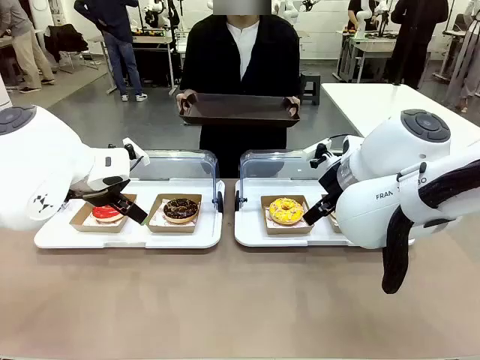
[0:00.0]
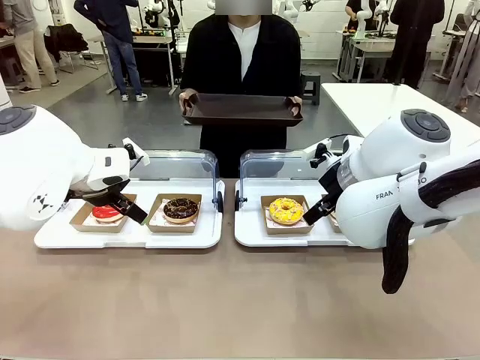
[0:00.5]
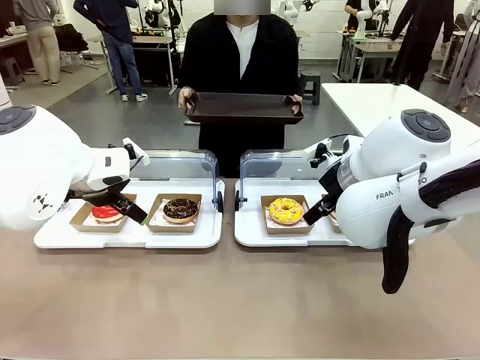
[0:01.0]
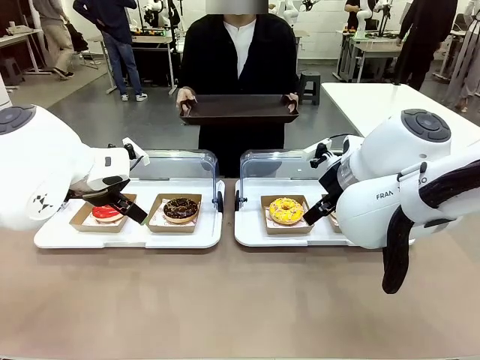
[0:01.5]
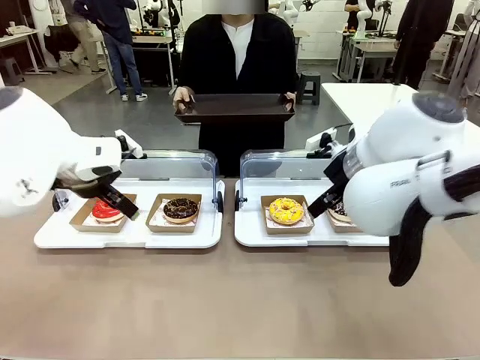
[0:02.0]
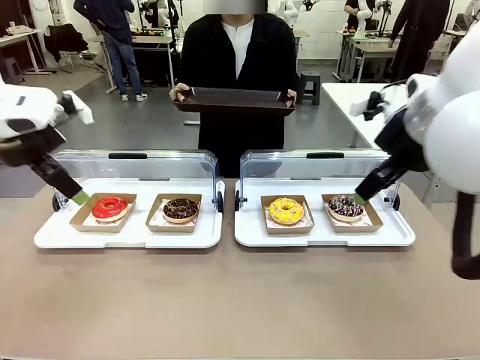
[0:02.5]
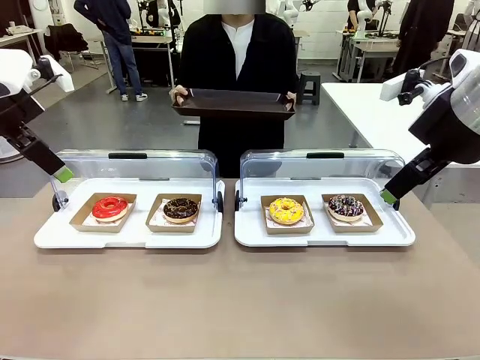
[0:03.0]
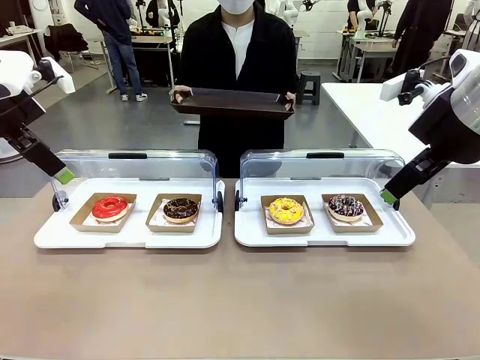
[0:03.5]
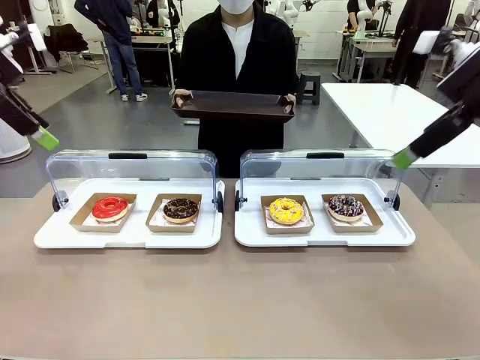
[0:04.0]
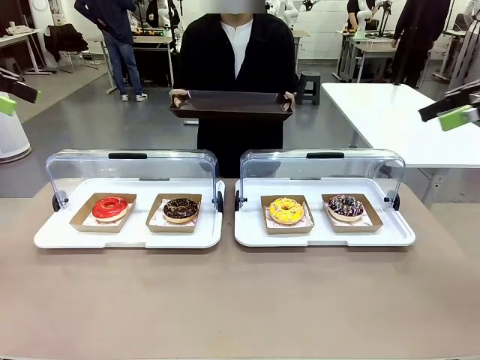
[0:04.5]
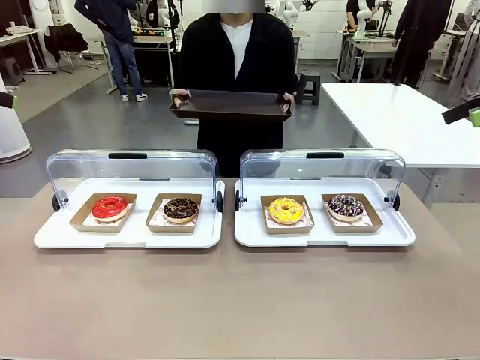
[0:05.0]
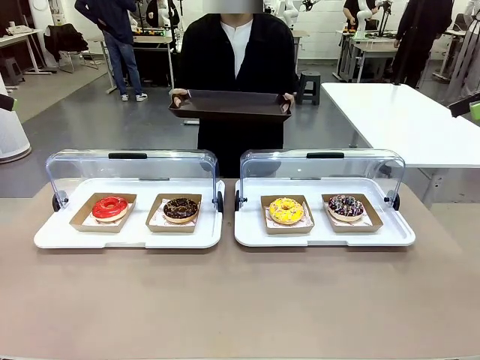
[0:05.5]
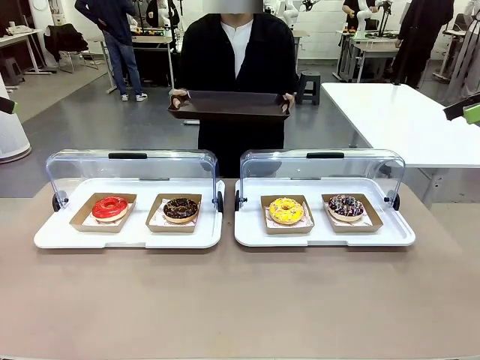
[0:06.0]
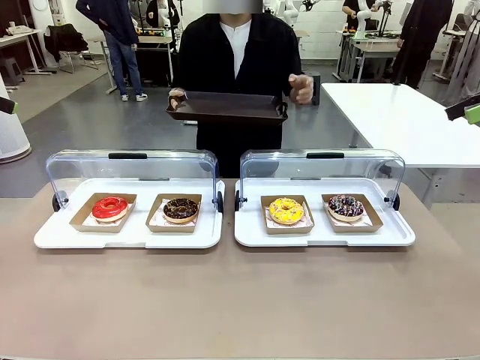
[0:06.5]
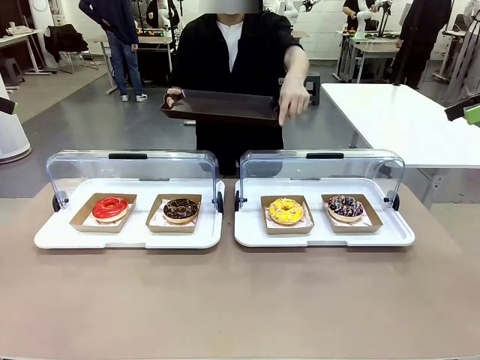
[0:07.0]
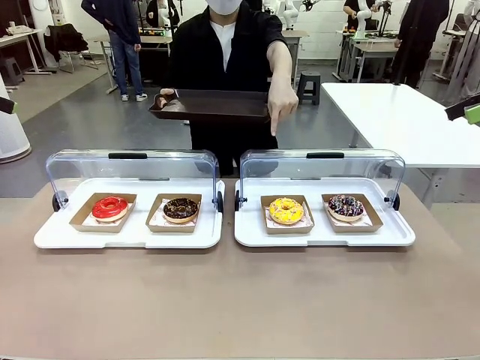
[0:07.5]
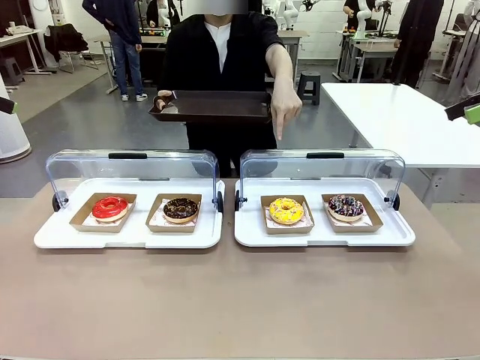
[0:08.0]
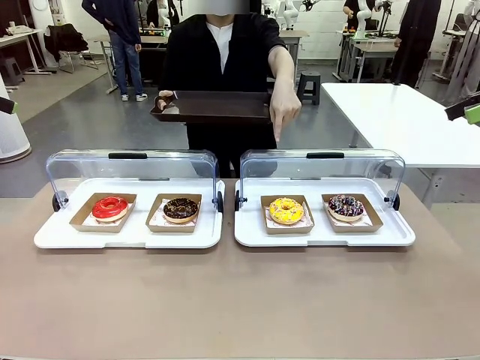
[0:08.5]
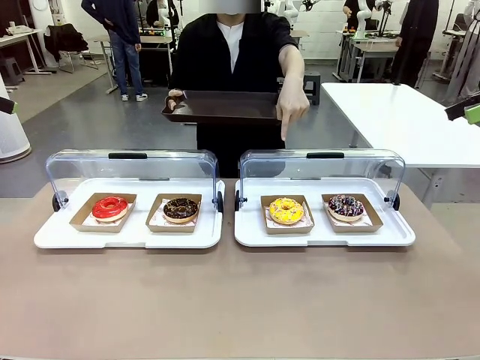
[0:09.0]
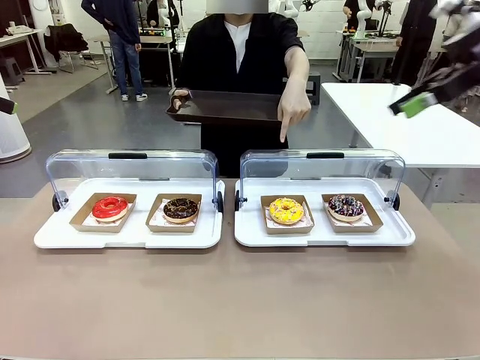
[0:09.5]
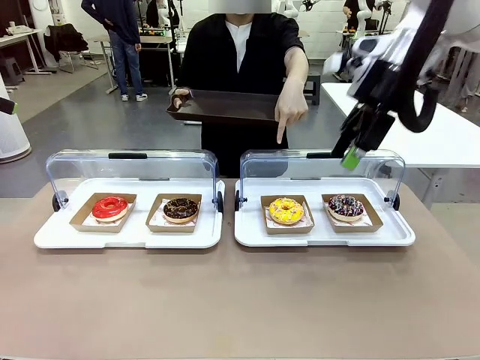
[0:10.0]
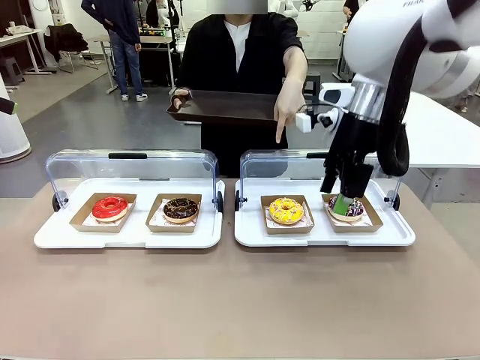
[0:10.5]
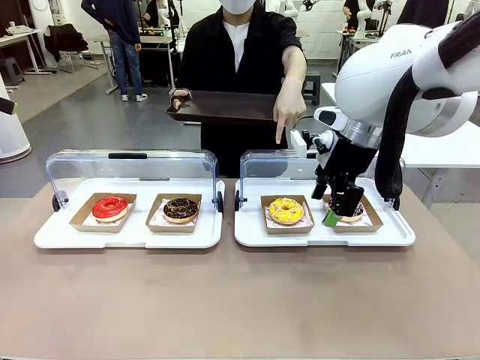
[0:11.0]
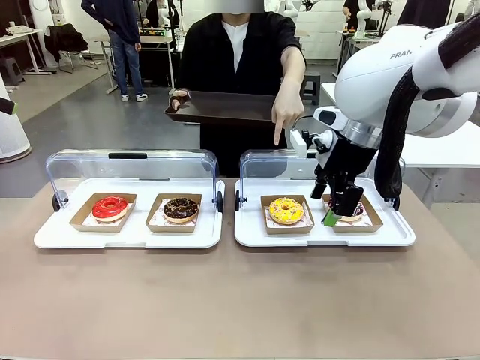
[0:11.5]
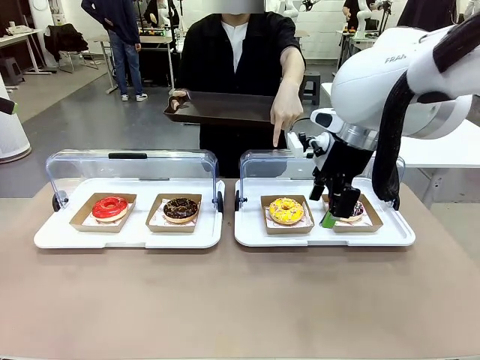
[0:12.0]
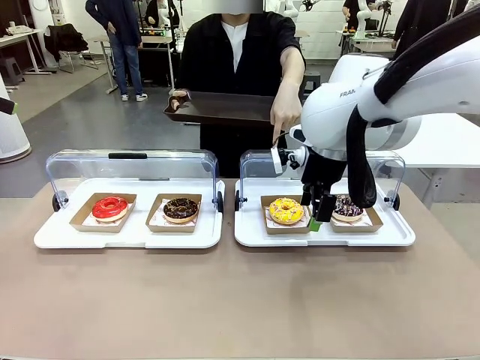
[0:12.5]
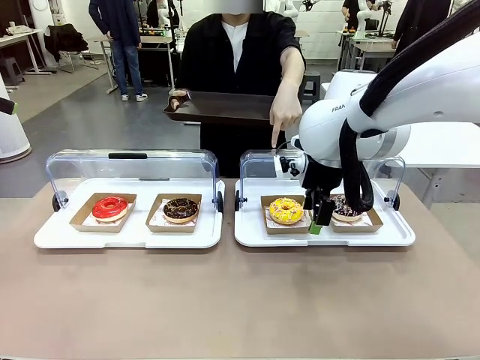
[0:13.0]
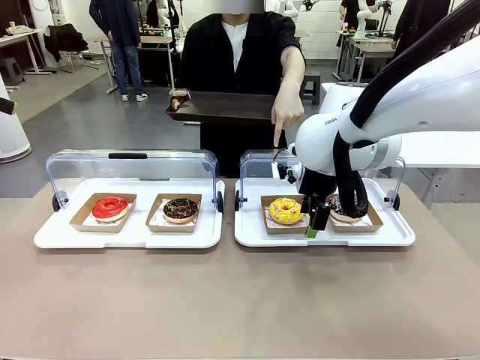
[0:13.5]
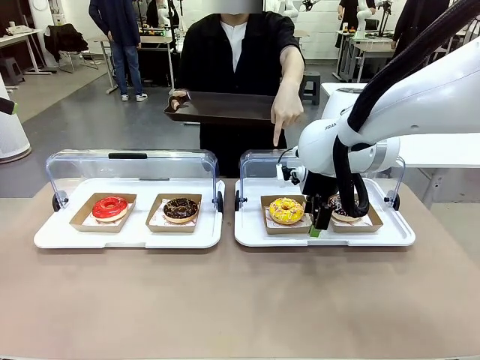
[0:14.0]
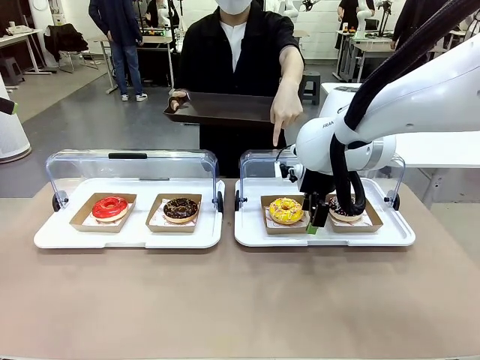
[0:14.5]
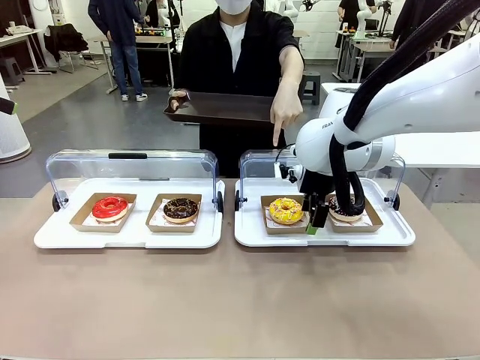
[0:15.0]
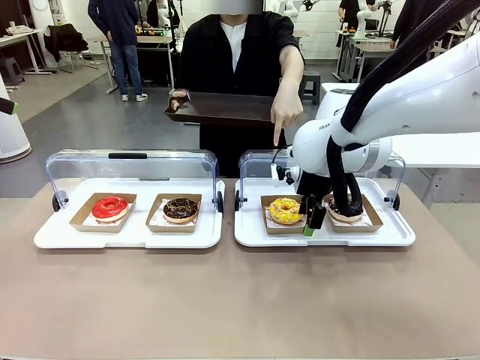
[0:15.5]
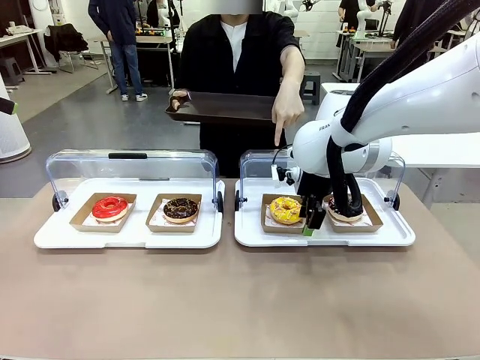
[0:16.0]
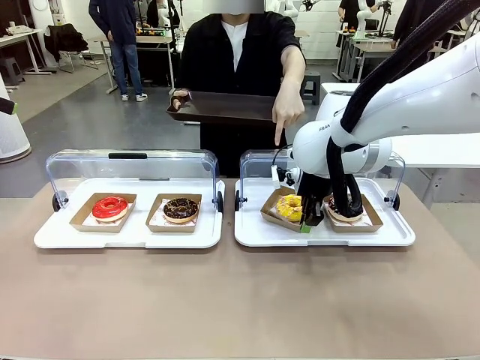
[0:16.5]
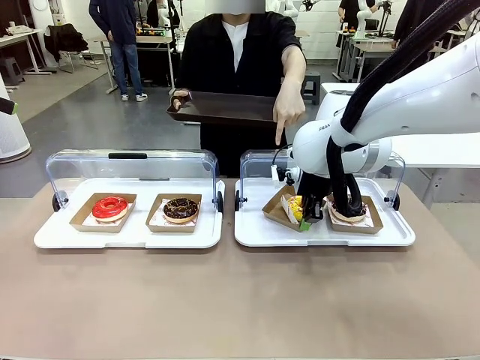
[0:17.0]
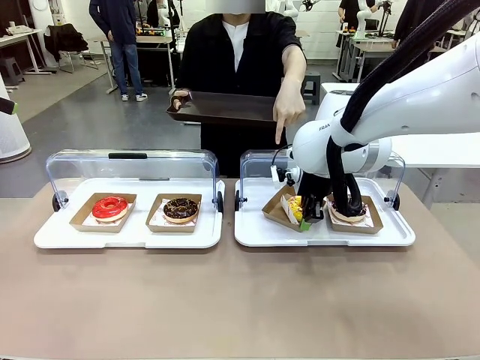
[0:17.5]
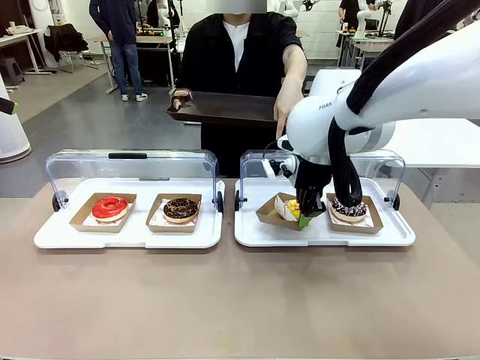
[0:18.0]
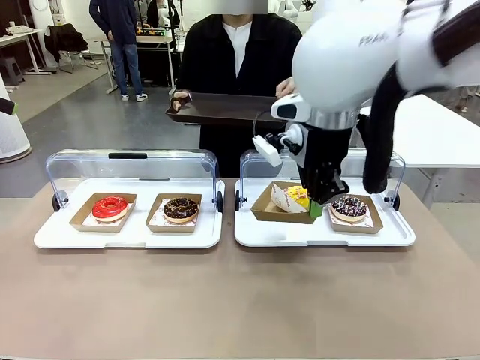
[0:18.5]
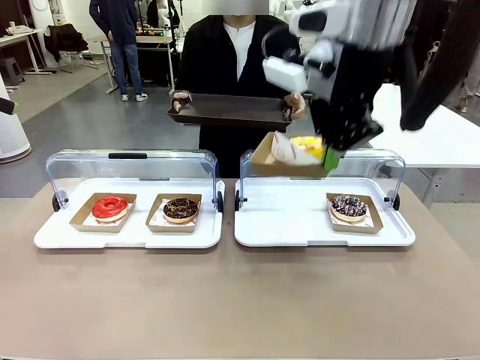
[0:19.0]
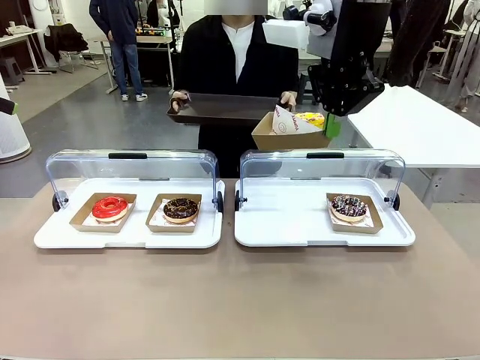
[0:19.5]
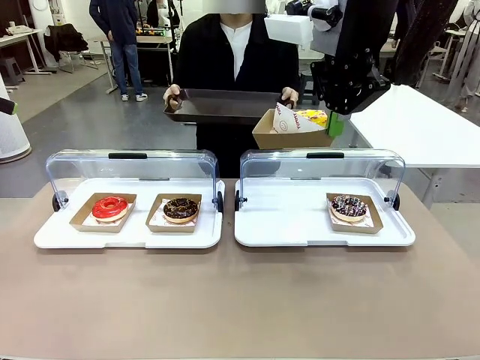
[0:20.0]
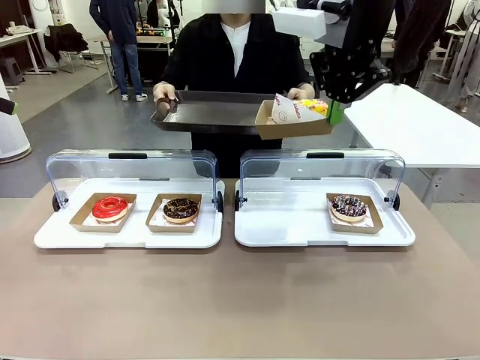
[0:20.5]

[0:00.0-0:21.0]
Task: Provide the desired donut to the person.
Robot: Pick up and lift the Paper togo box containing the Donut pointed at by the person.
Person: Point to one donut. Lift the tray onto the Roll-Top Bakery Case.

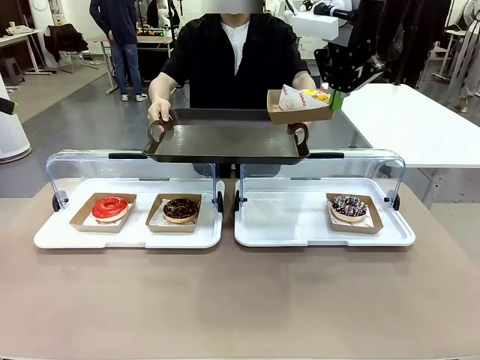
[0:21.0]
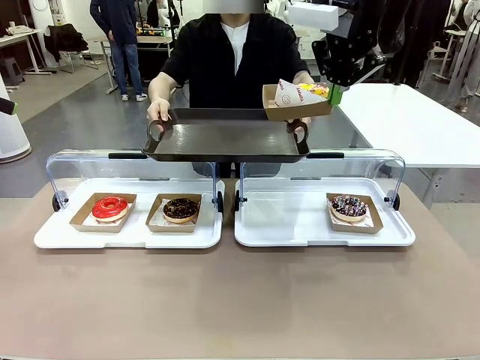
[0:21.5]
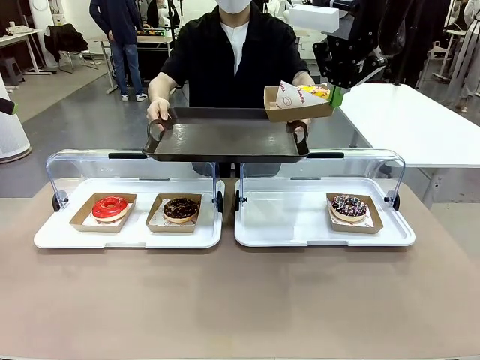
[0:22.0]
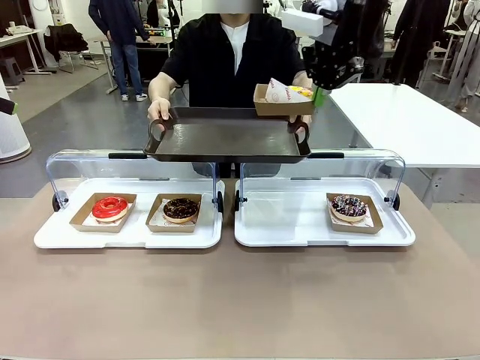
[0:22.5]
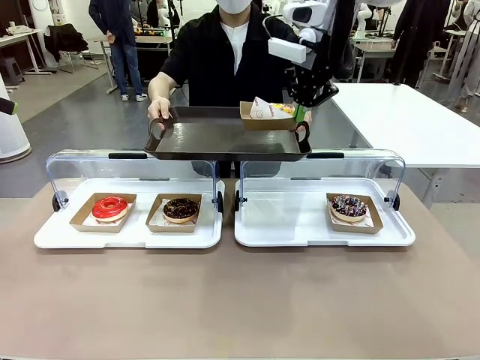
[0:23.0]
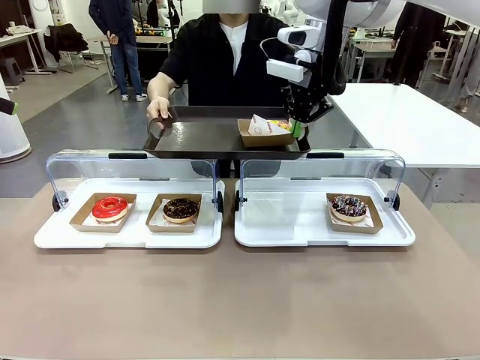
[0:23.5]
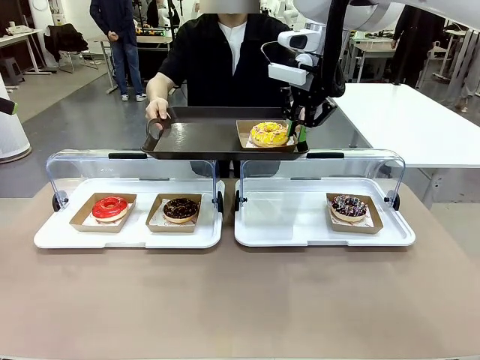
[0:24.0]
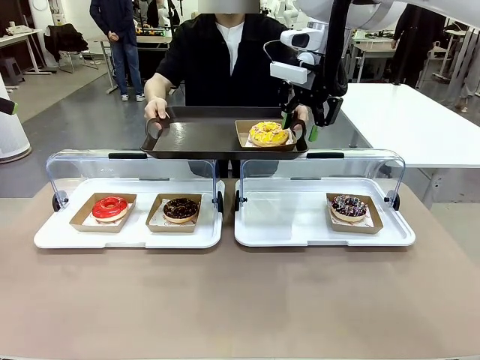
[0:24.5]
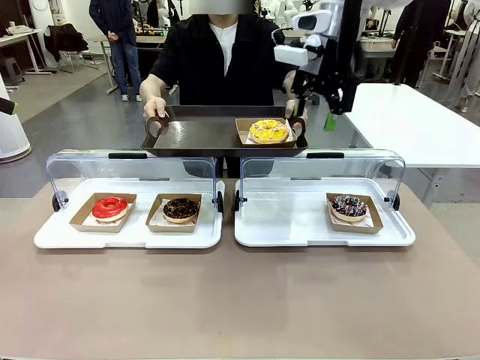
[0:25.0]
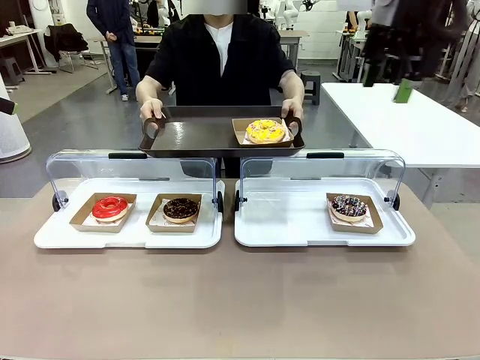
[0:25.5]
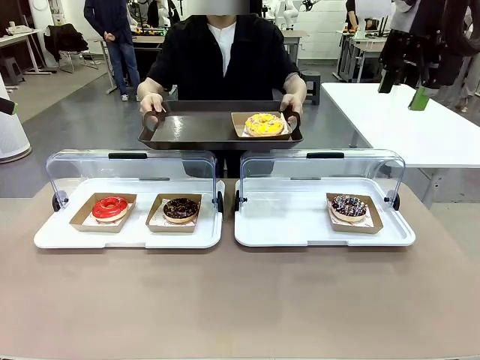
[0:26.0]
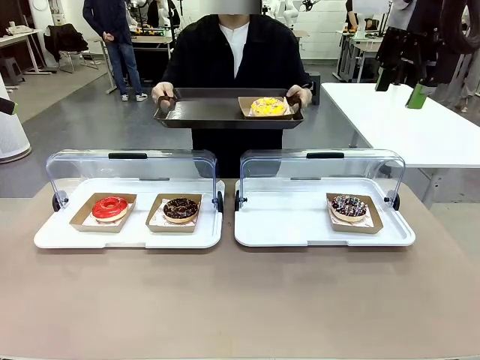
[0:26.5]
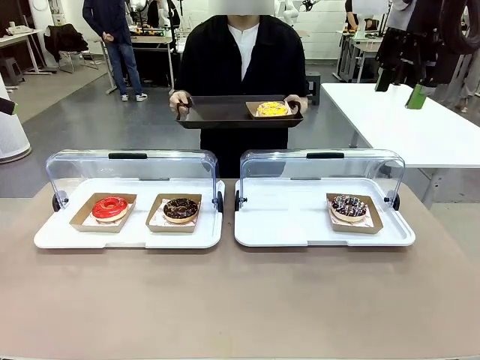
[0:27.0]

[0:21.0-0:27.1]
Robot: Place the picked Paper togo box onto the Handle tray extended by the person.
